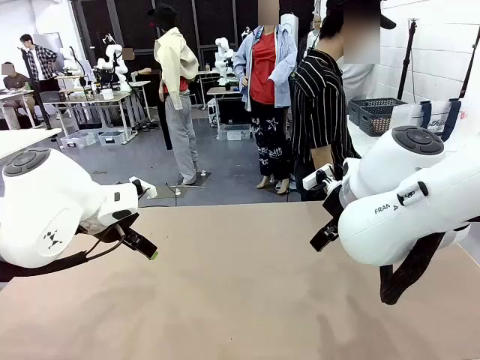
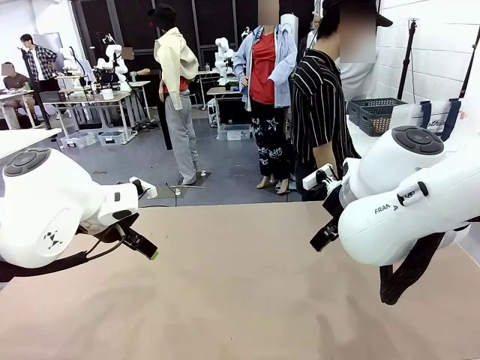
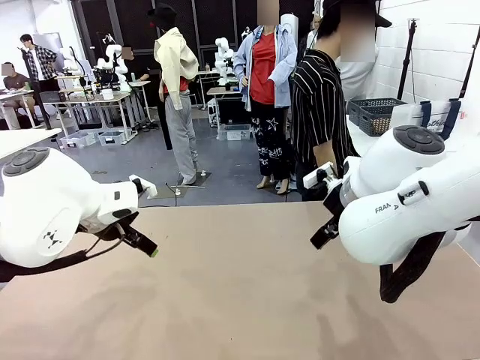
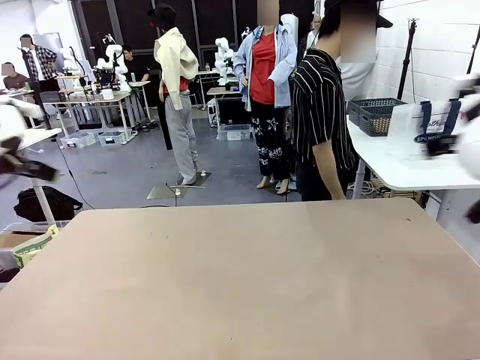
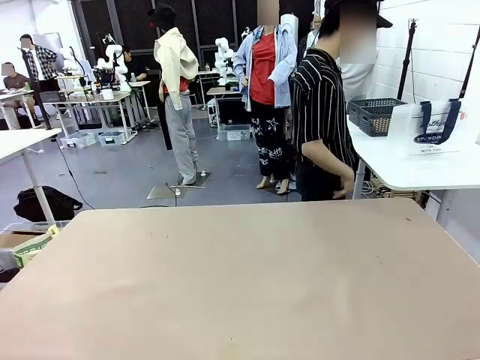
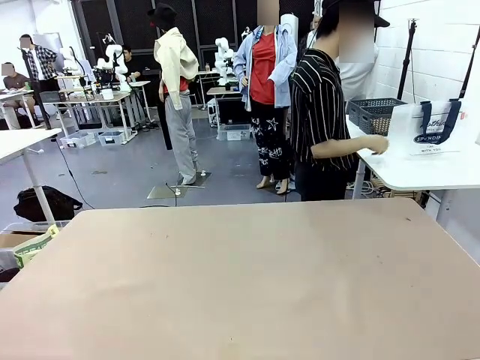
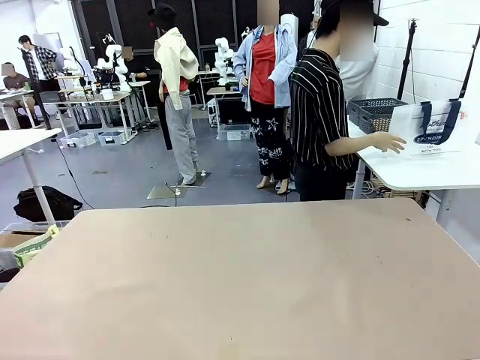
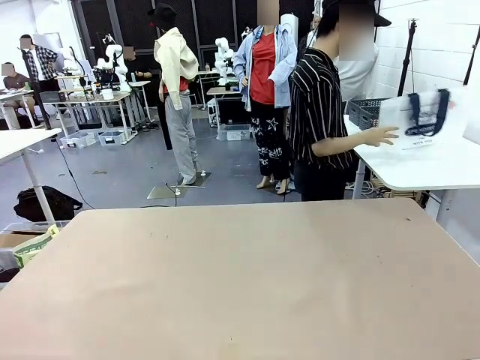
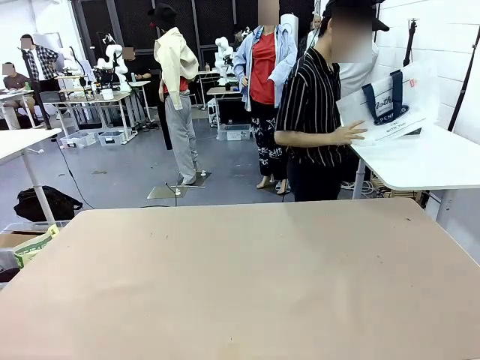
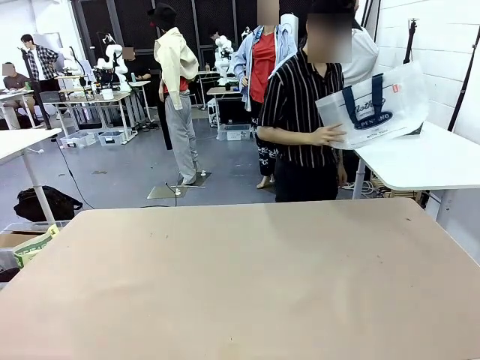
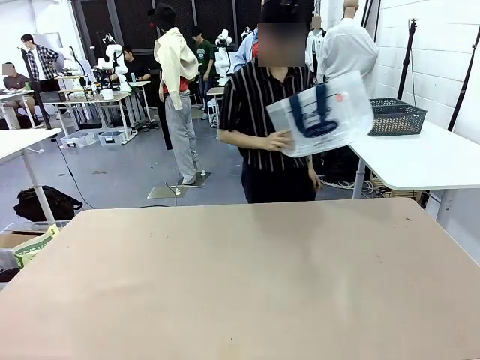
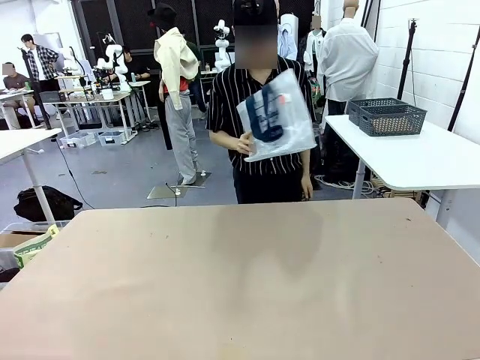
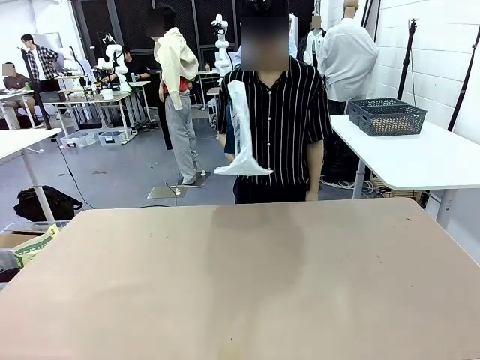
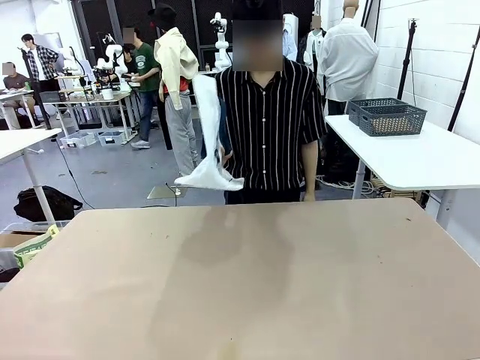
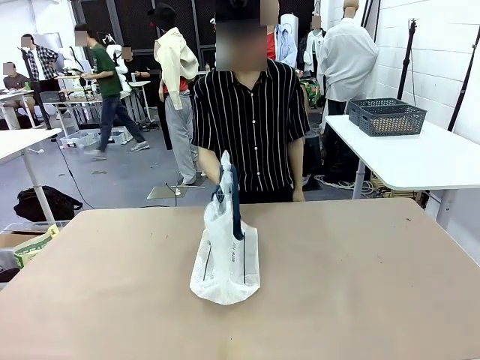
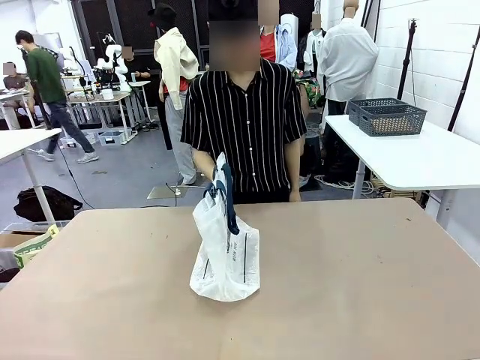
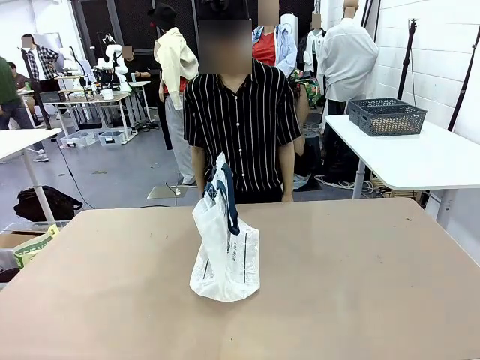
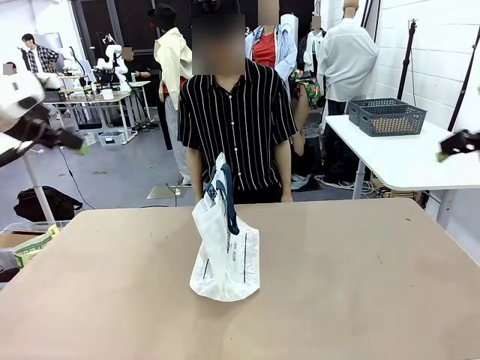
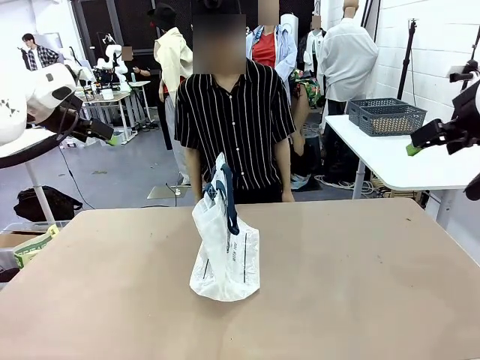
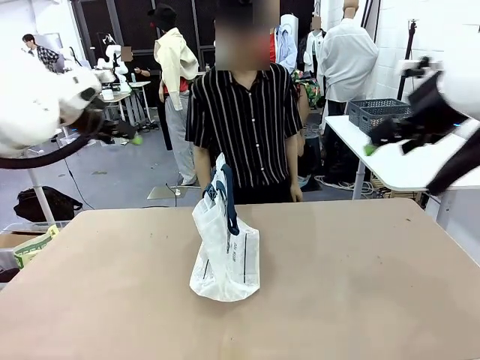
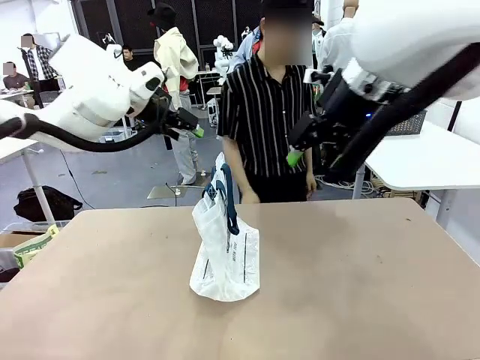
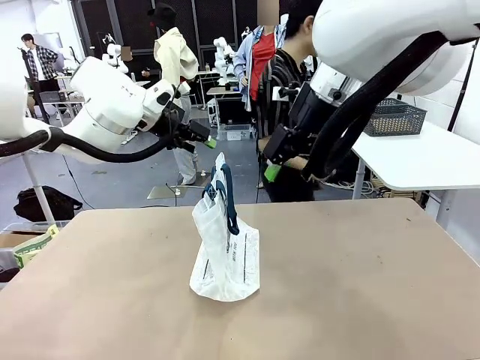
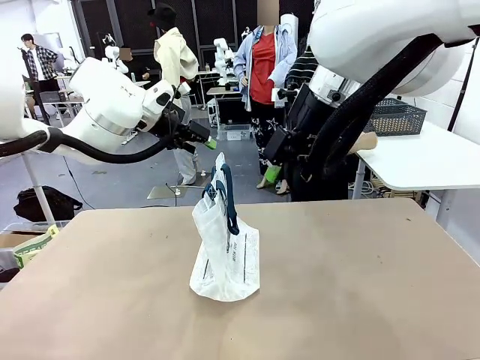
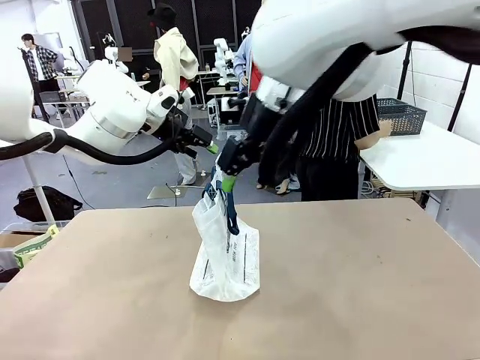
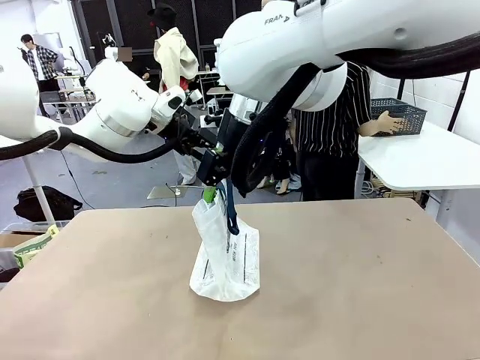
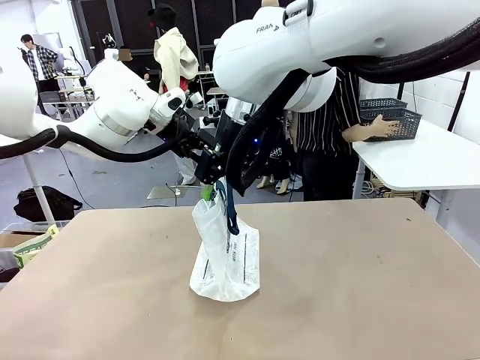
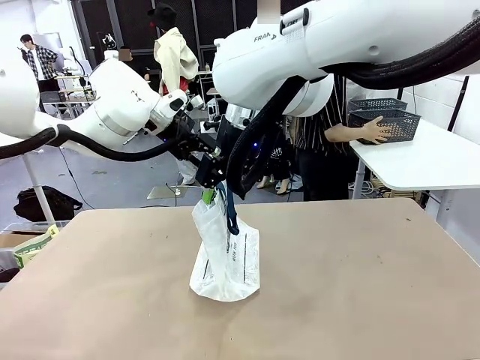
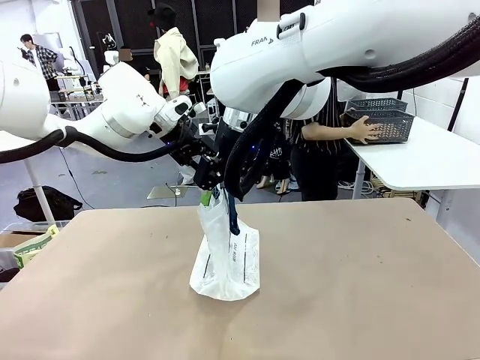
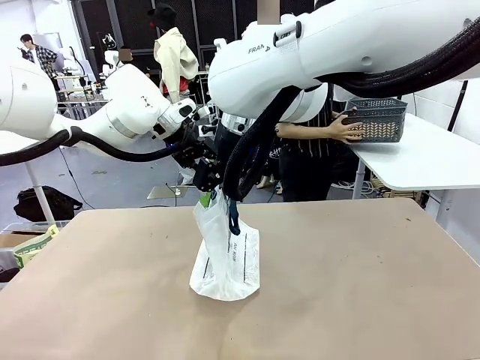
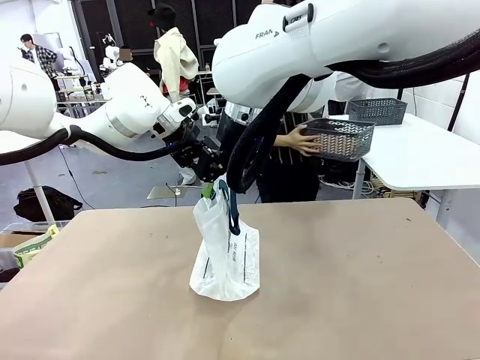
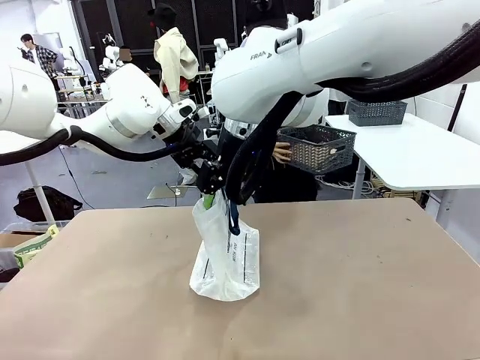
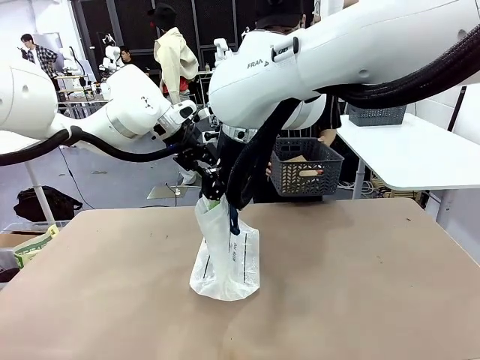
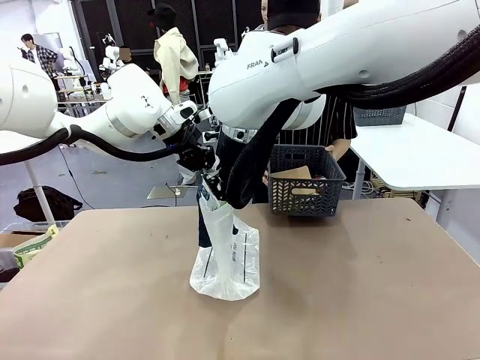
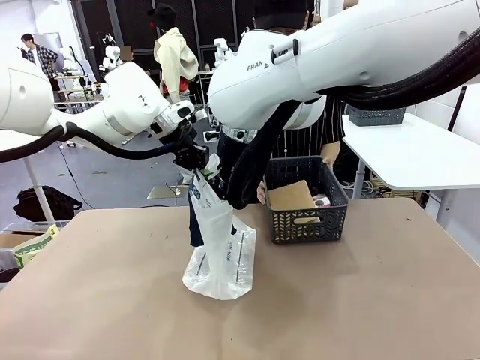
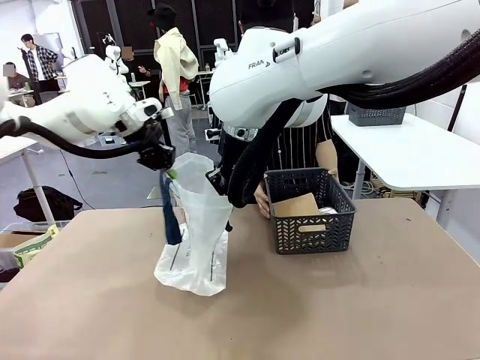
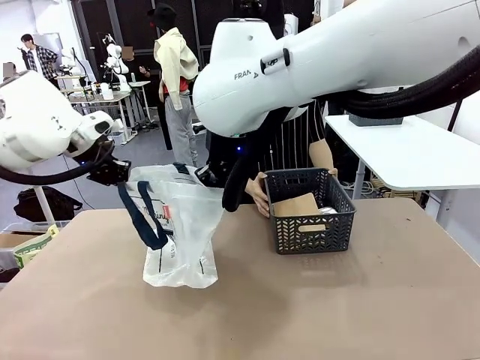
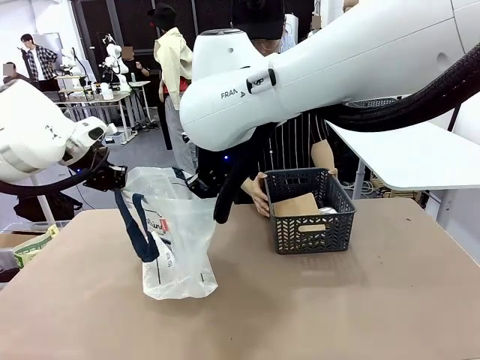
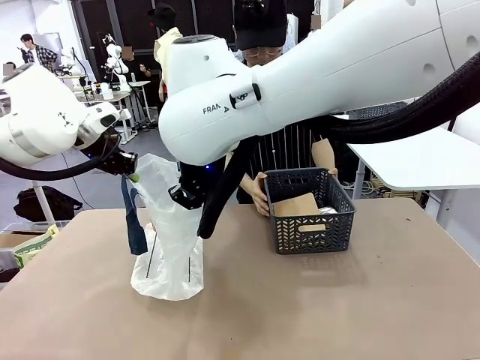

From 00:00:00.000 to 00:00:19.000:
Task: Transfer purchased items from the store into the shopping bag.
Robot: Open the Reusable shopping bag in the center of the table.
Person: Pick up the shopping bag and place it in the middle of the robot table. Pick up the basket on the right, place it on the left side of the robot table, and move the items in the basket to the shopping bag.
